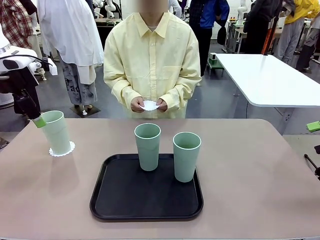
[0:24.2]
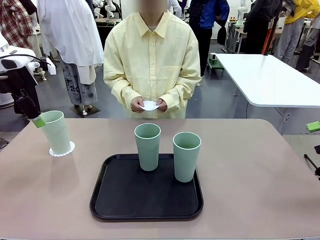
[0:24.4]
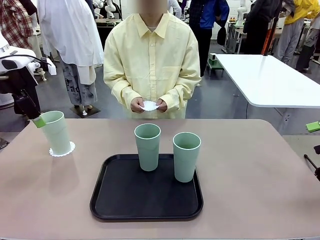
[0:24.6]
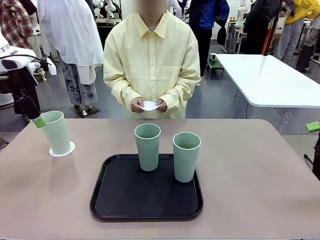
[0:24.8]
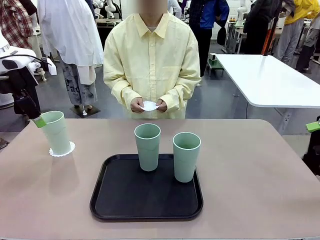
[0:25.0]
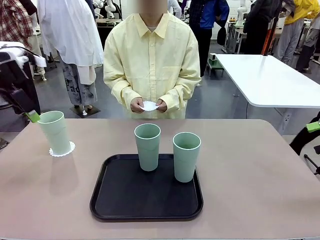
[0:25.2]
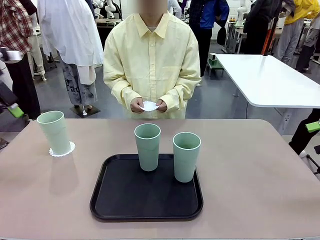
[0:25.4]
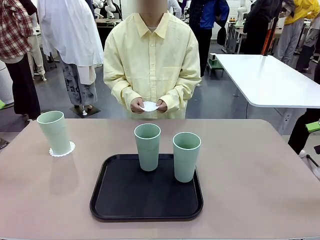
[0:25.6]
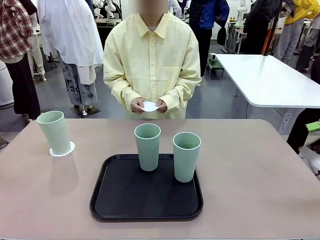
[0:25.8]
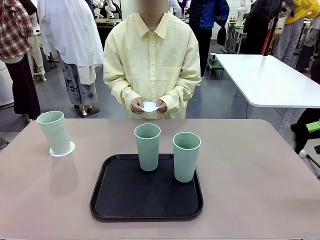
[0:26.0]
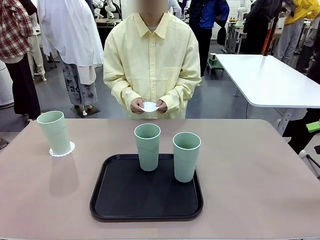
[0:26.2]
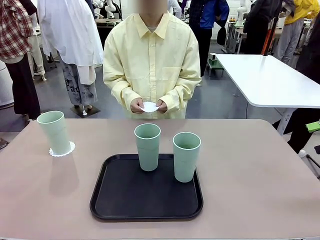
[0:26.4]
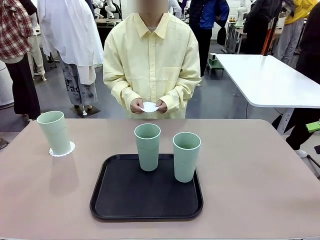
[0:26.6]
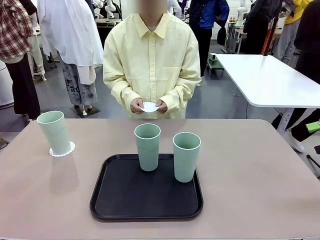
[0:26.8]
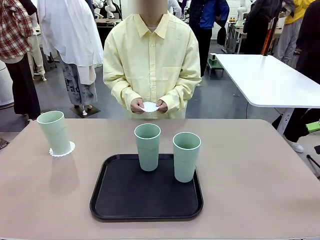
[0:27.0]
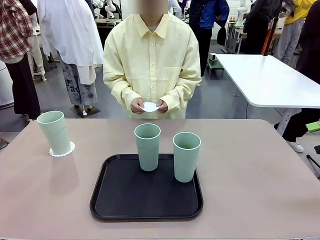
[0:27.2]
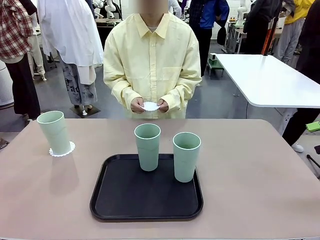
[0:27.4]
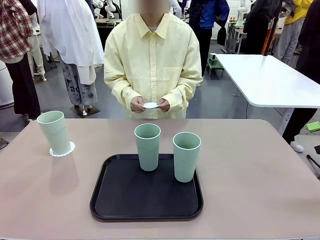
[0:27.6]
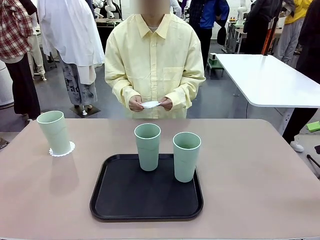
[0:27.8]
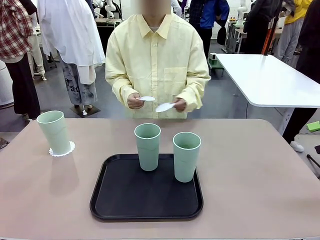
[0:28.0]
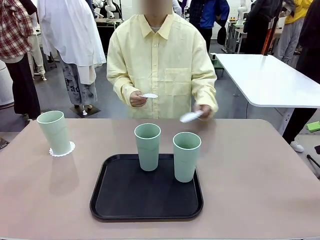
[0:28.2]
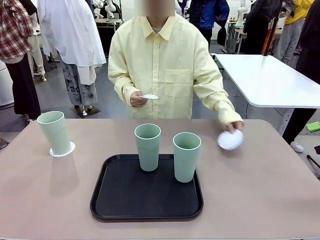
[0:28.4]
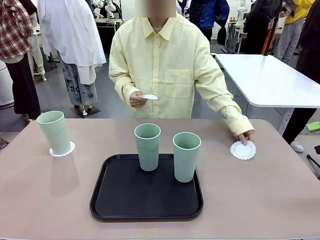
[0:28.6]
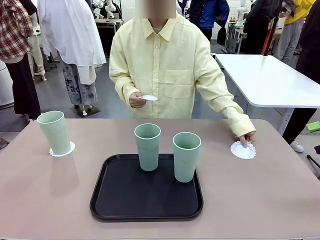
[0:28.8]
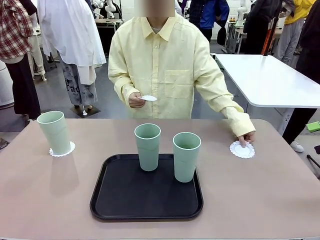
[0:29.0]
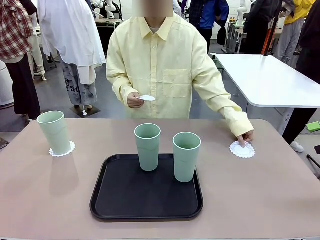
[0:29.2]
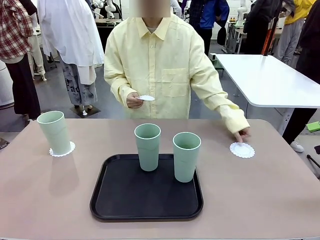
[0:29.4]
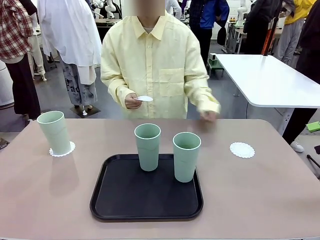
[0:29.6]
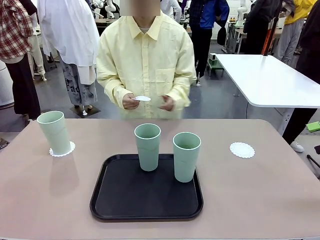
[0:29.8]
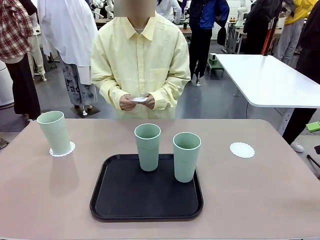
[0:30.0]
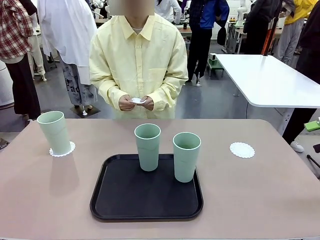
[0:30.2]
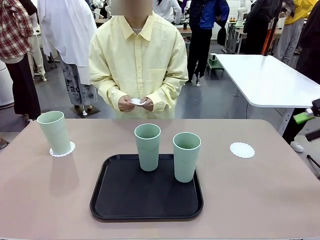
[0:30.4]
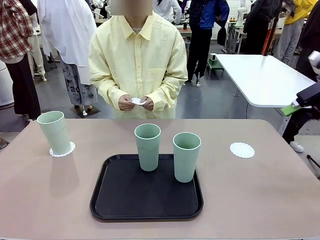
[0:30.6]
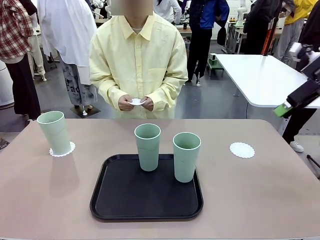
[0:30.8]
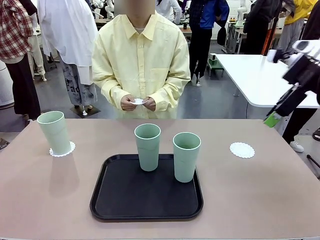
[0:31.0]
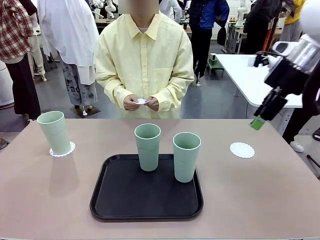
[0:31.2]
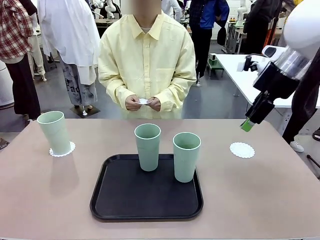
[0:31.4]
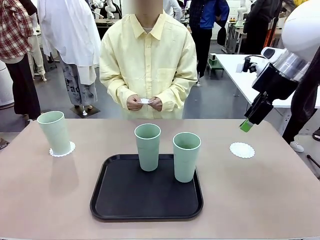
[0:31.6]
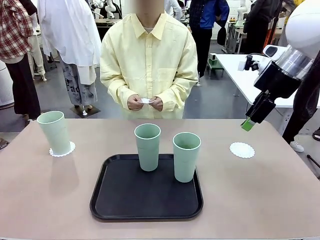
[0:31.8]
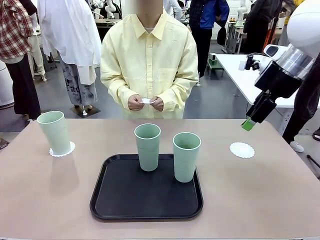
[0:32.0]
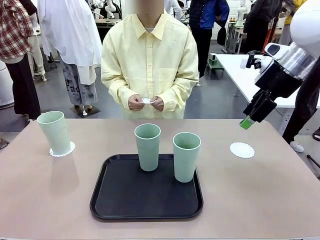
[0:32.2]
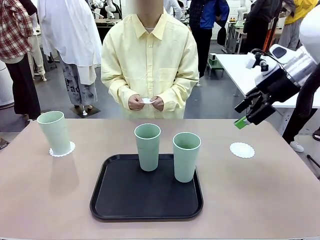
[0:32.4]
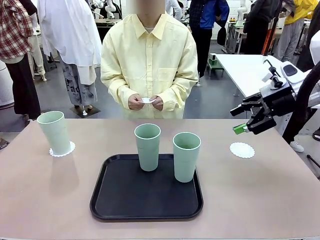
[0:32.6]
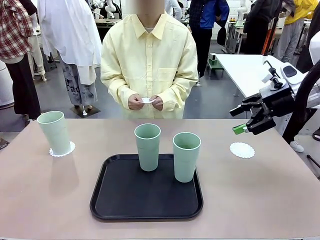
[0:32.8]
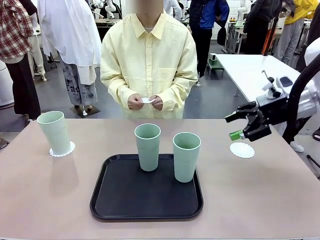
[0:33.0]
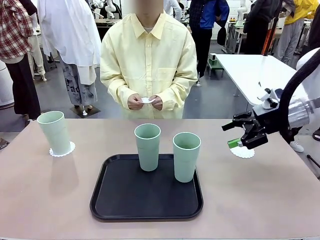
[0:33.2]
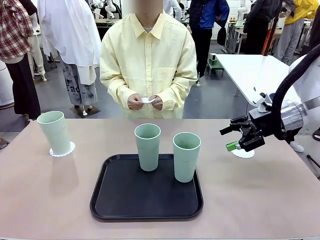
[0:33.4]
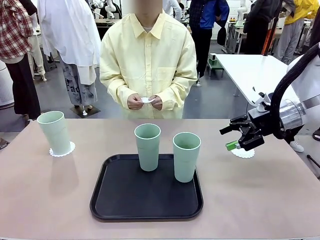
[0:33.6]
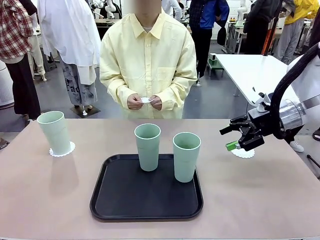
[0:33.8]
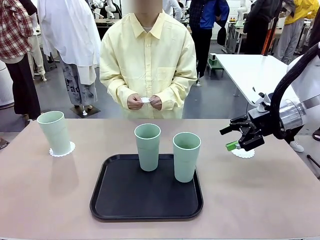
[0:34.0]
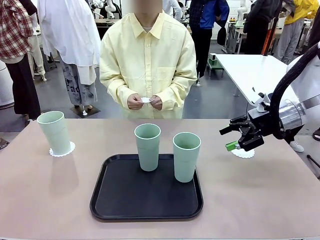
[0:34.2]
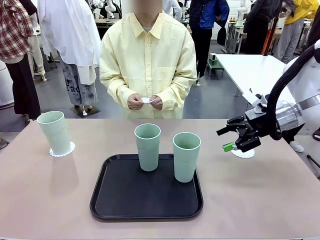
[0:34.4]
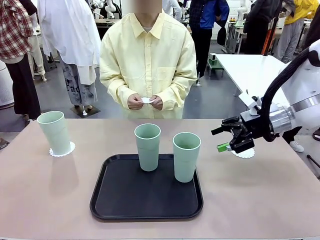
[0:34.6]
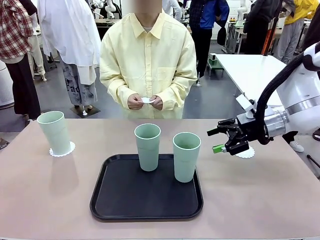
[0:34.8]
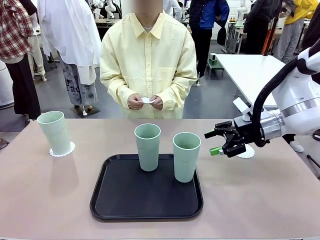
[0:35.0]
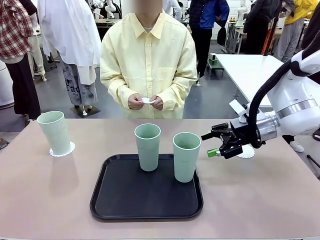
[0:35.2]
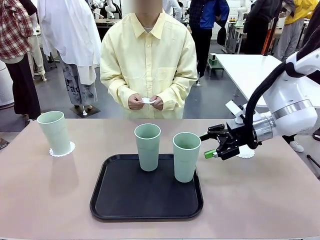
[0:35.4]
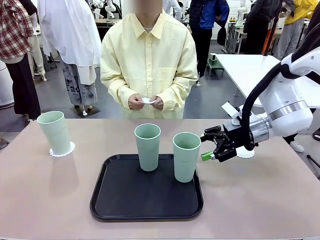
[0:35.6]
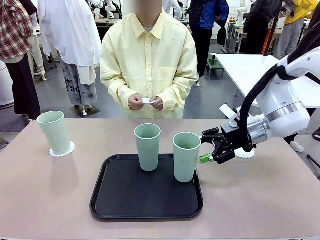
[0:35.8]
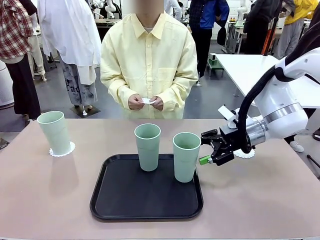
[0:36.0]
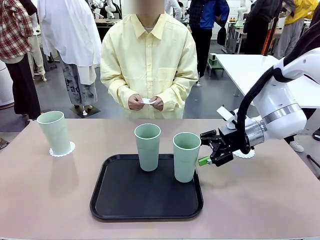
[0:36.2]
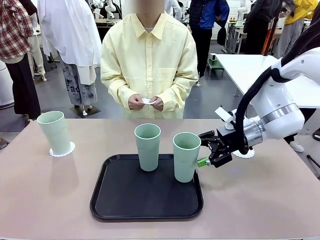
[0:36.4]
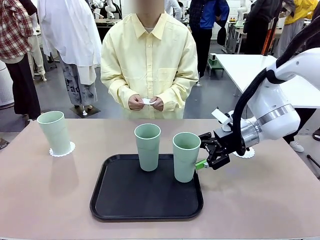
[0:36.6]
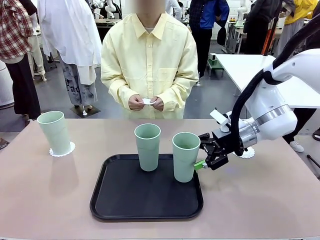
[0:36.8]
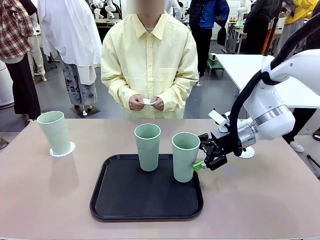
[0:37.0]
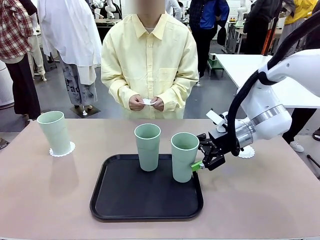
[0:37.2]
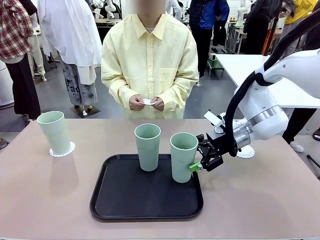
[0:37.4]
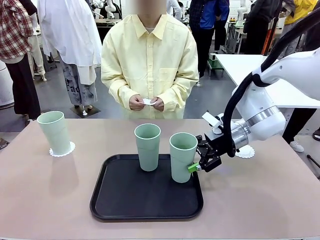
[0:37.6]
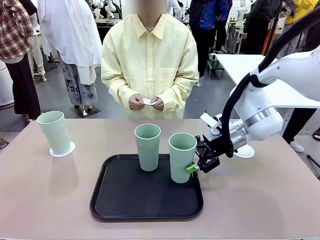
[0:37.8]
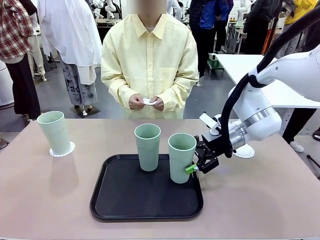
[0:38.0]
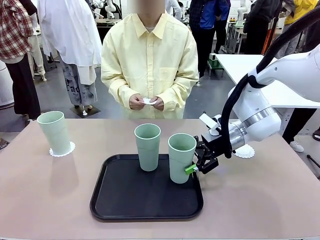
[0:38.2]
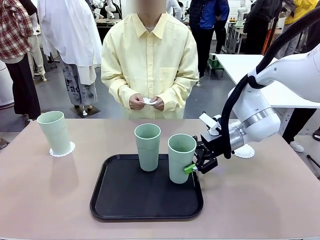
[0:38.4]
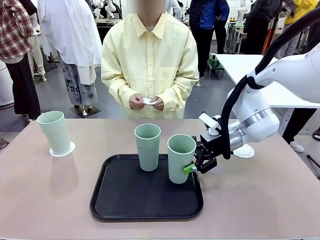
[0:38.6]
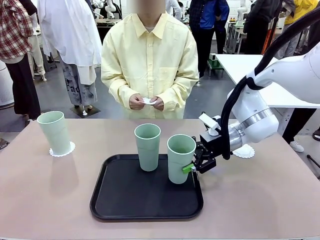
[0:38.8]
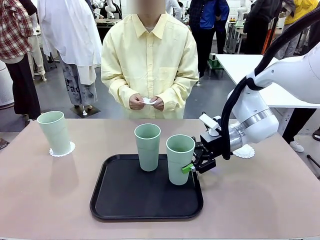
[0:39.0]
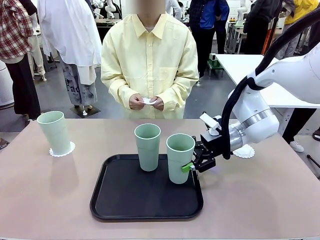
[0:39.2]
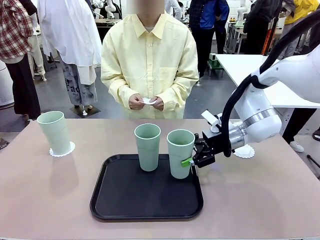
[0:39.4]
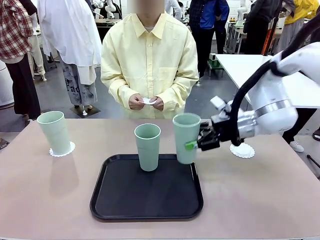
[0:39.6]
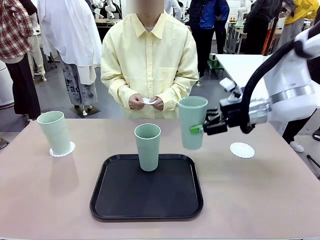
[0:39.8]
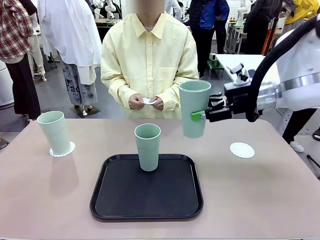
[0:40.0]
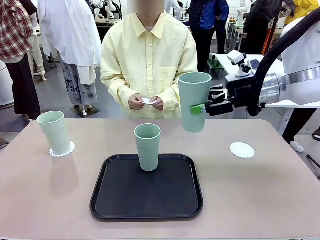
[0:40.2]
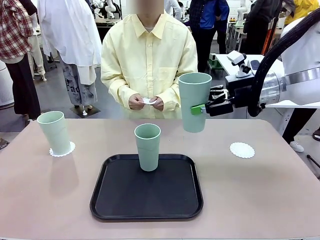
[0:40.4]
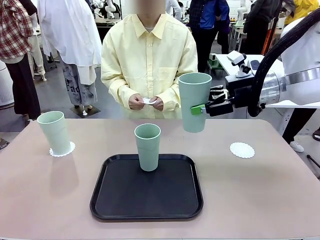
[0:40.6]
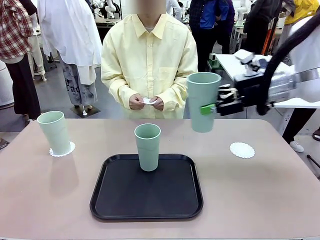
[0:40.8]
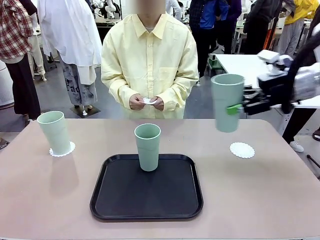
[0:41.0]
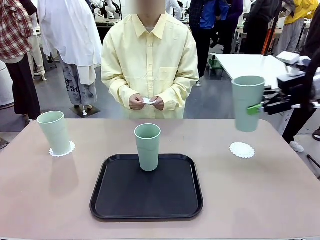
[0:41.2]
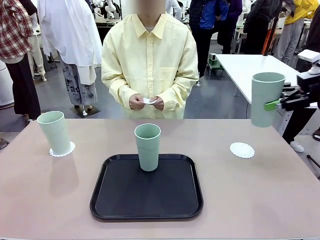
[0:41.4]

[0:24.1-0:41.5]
Task: Place coasters on the table and set cups on them.
Robot: Take one Reusable plastic cup from the Flat Tray and place it on a coaster set by the human.
